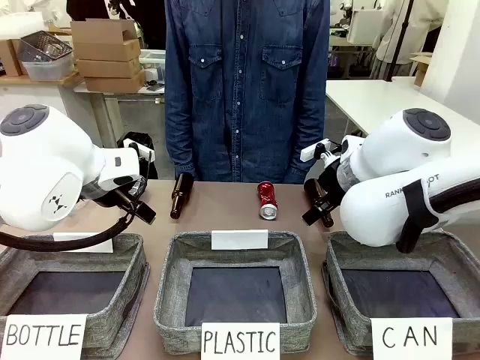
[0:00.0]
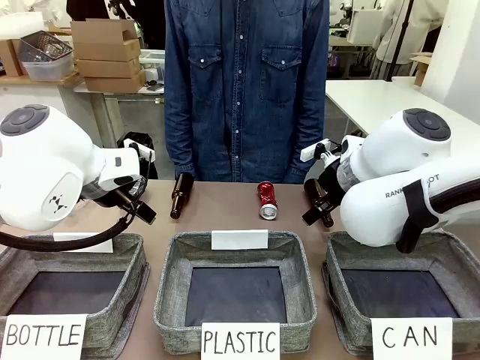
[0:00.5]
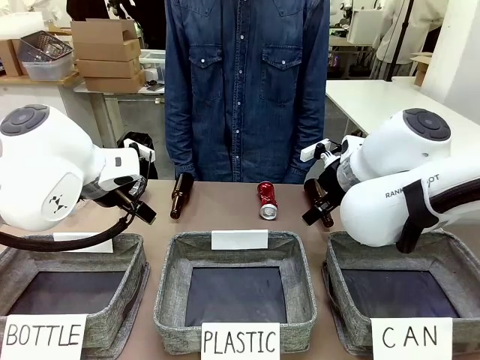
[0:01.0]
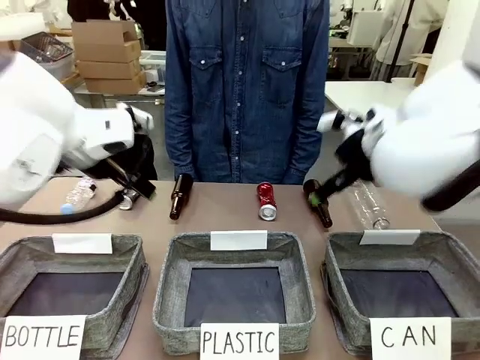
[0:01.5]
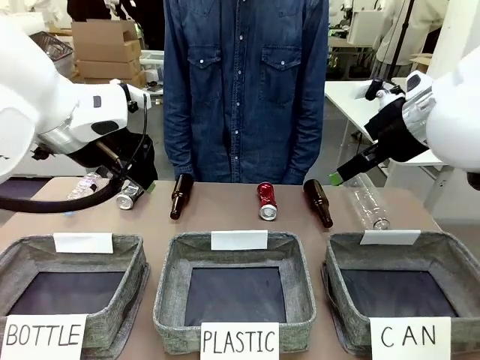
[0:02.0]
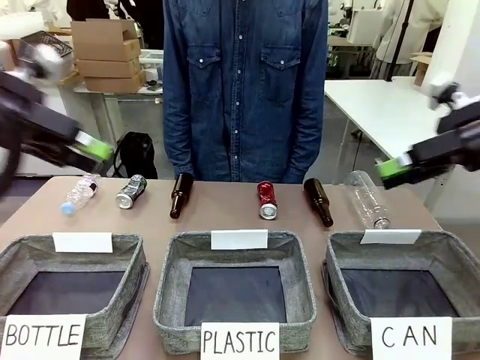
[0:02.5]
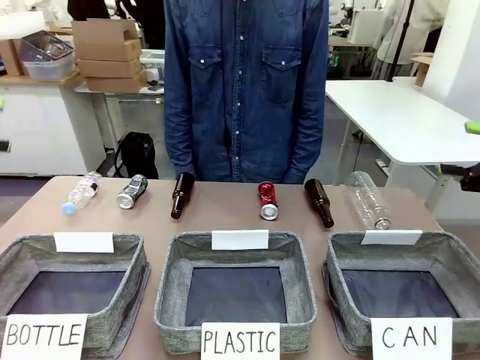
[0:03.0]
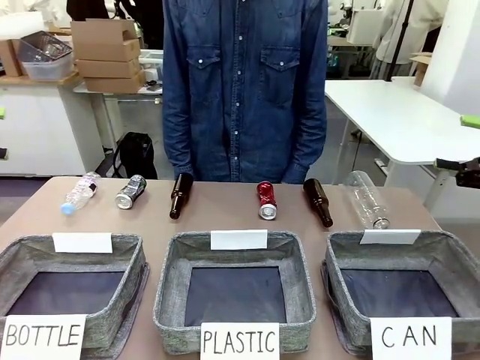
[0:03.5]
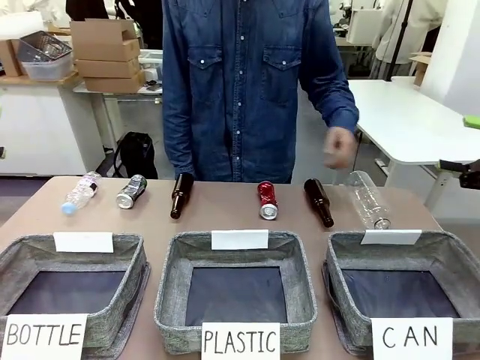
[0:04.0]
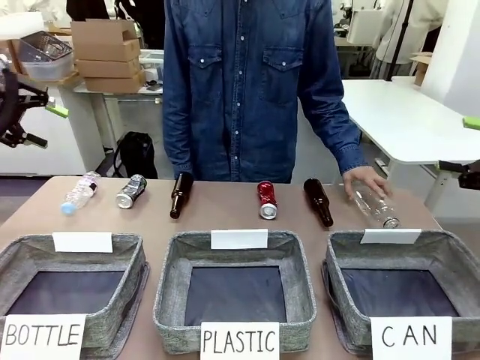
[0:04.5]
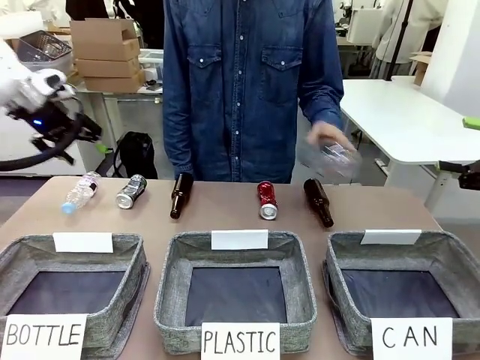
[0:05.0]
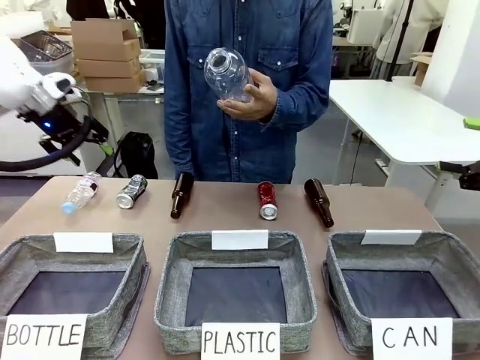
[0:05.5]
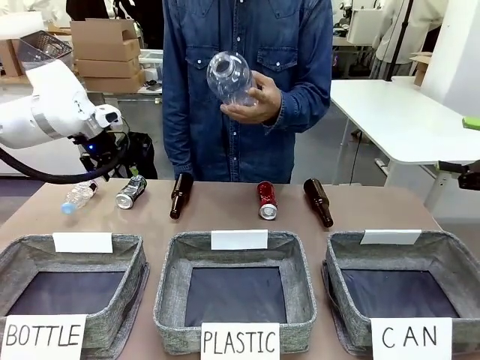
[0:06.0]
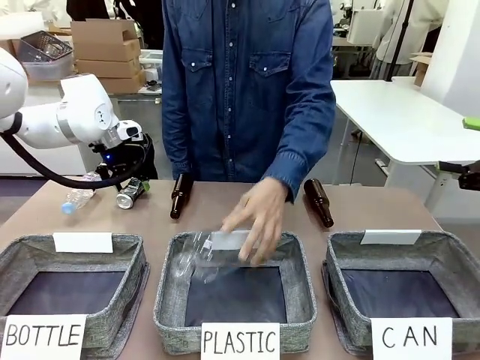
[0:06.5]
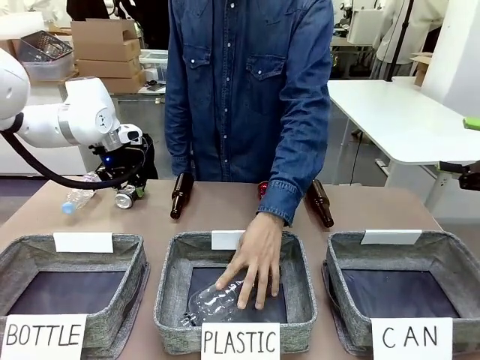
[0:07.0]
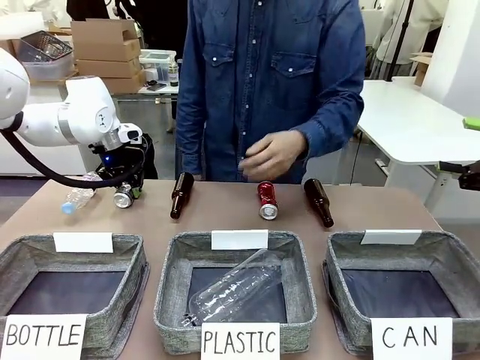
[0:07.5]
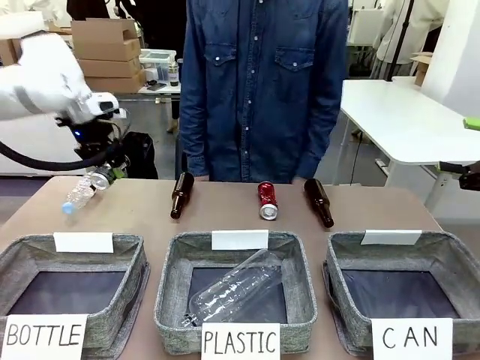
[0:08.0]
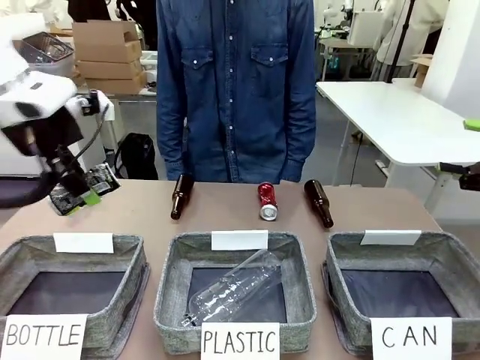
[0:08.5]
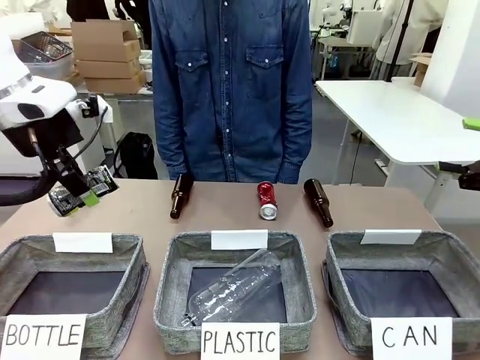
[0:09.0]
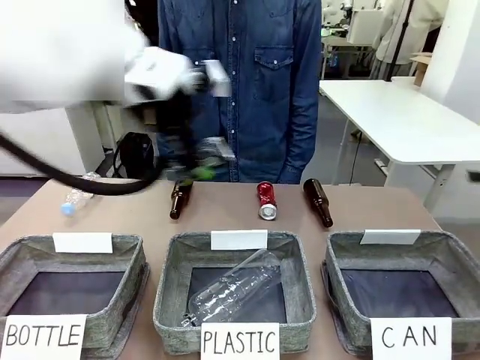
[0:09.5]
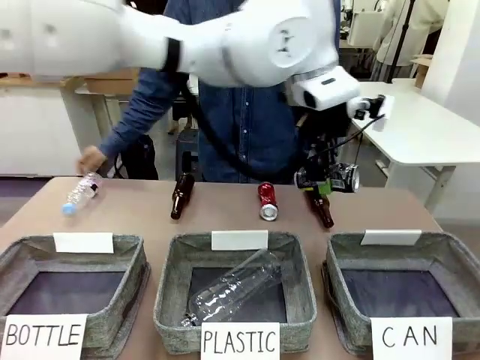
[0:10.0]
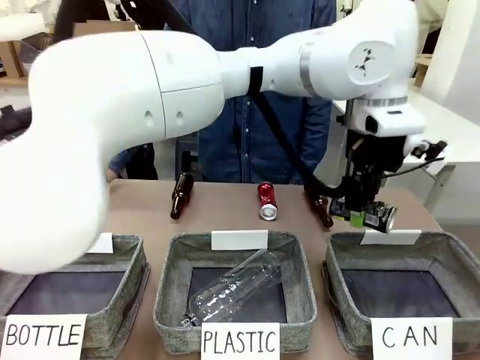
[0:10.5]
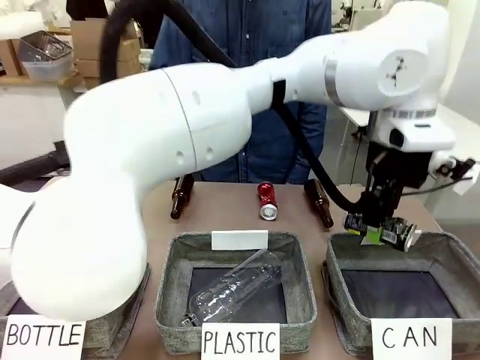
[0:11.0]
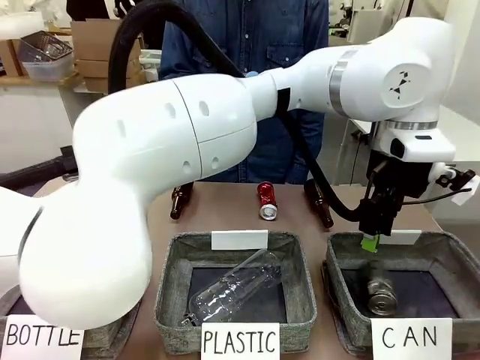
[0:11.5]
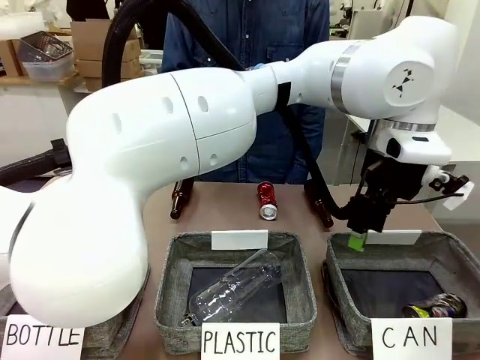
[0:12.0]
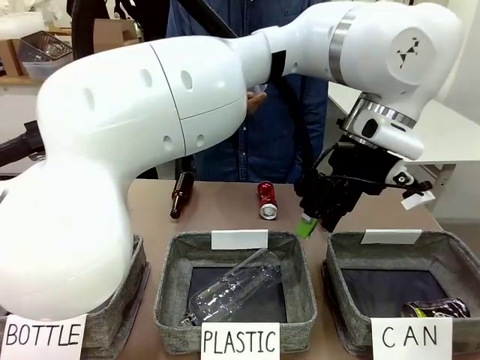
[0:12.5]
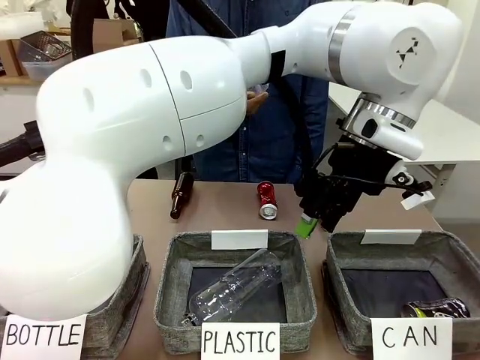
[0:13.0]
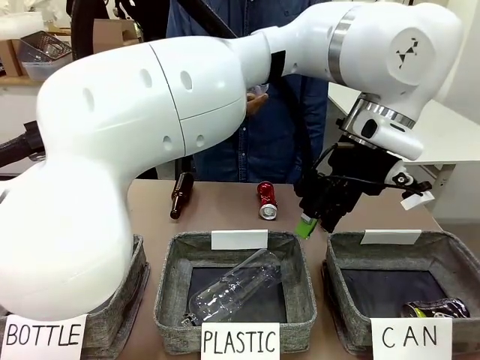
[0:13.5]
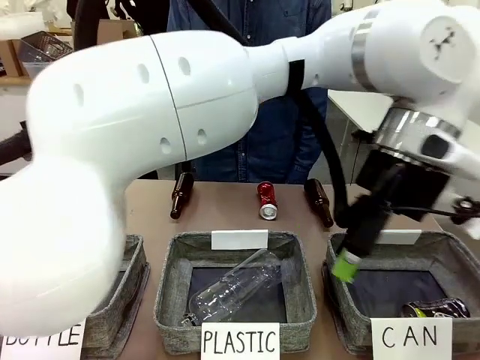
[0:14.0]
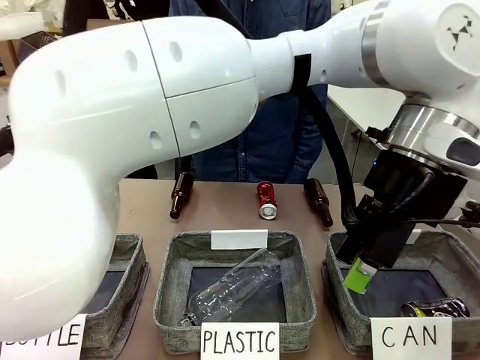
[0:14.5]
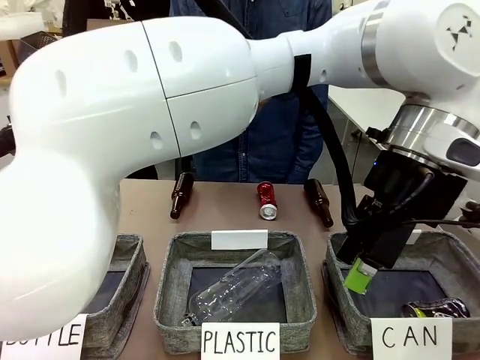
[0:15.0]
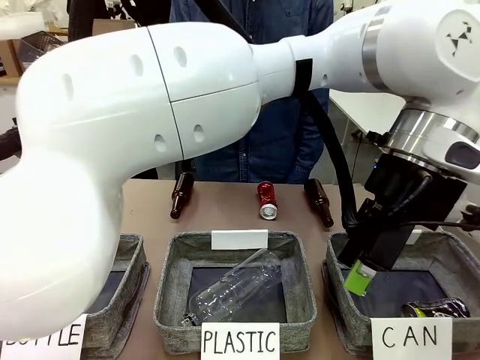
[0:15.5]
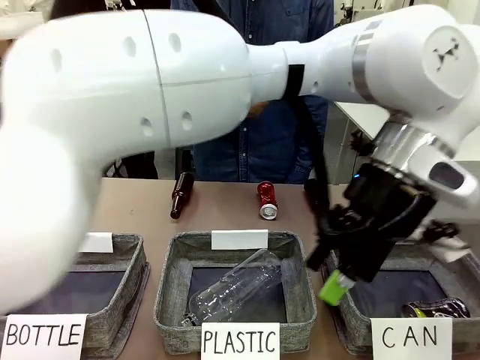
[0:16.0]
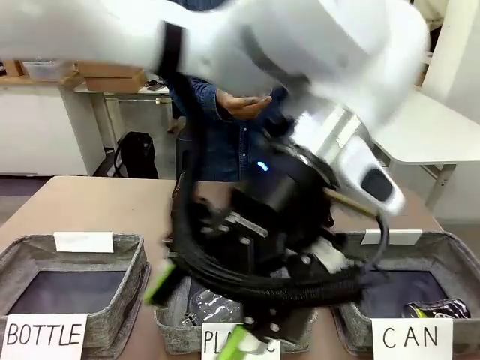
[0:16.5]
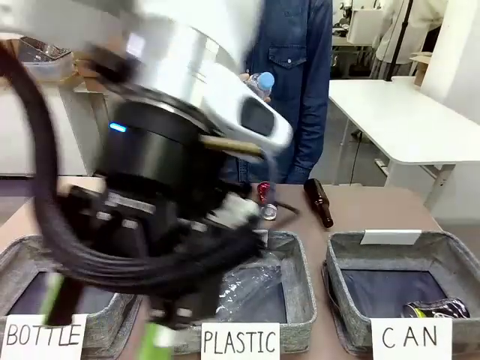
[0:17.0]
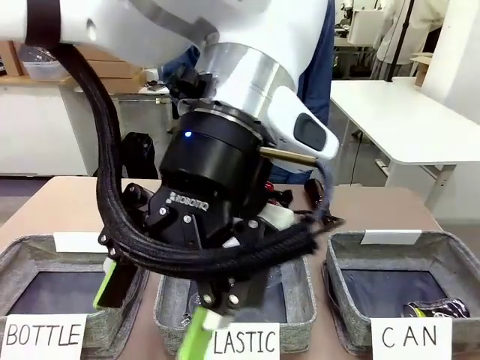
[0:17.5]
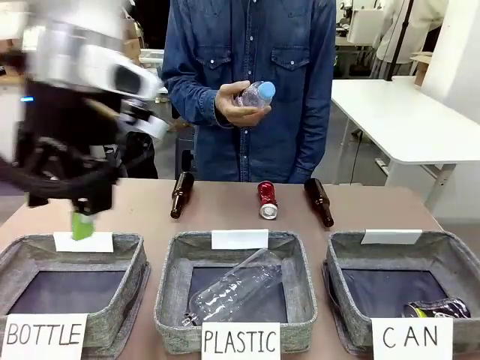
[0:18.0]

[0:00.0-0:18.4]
Task: Sort the can waste into the basket.
Robot: Pick up the can waste from the table and place it in the right Fabric basket.
